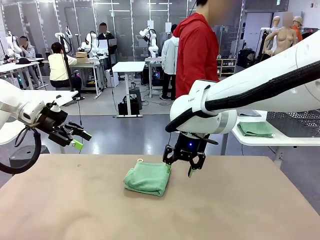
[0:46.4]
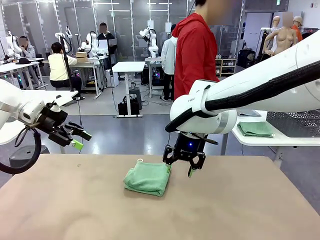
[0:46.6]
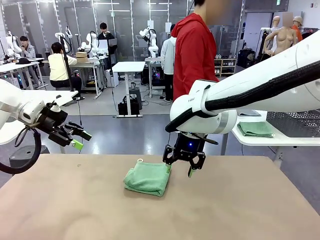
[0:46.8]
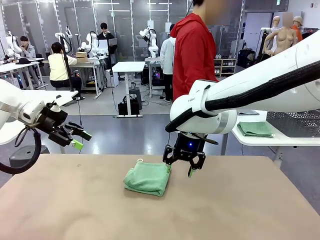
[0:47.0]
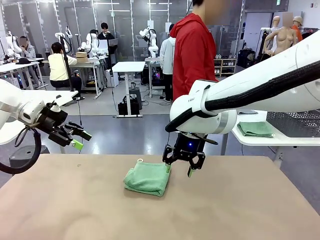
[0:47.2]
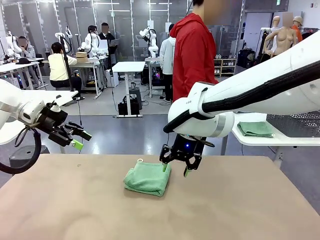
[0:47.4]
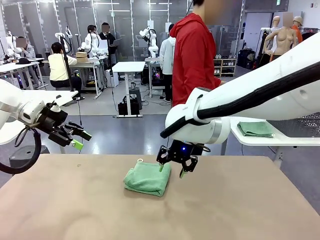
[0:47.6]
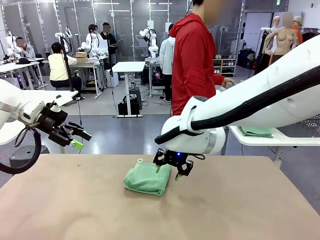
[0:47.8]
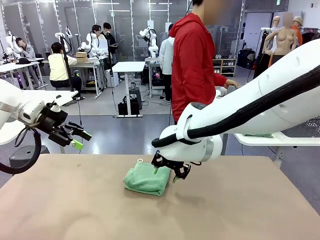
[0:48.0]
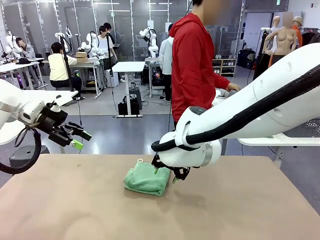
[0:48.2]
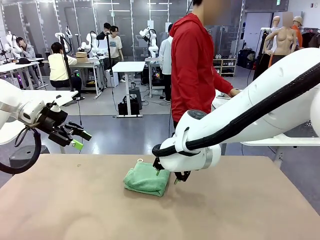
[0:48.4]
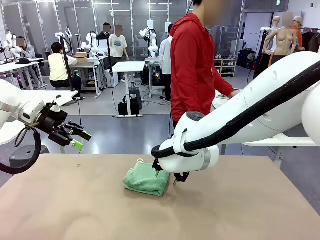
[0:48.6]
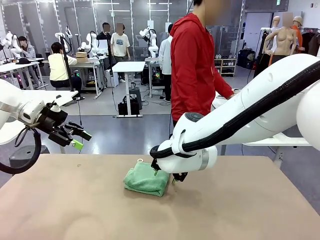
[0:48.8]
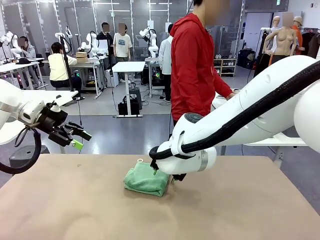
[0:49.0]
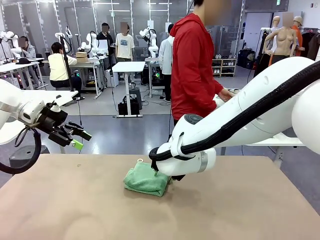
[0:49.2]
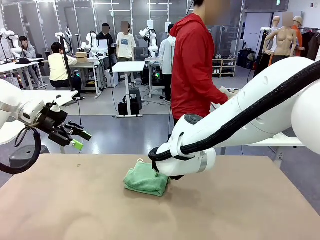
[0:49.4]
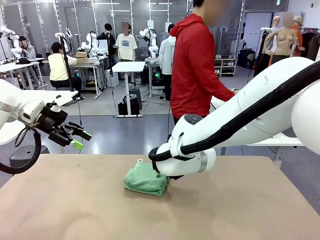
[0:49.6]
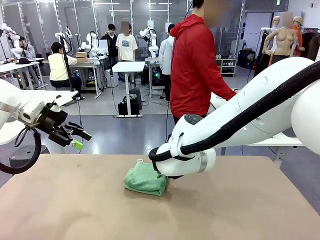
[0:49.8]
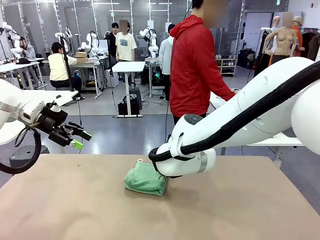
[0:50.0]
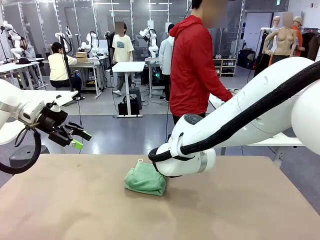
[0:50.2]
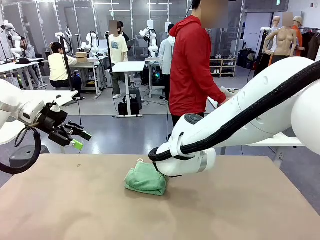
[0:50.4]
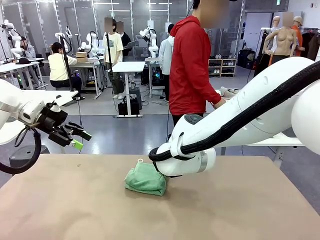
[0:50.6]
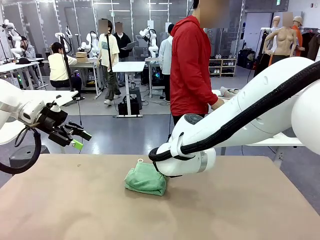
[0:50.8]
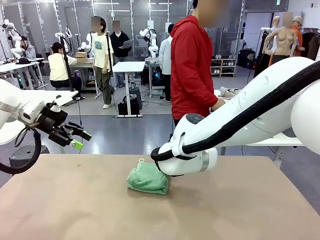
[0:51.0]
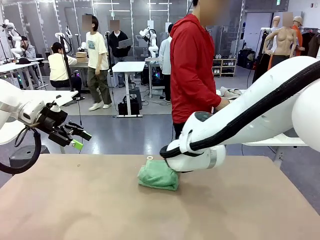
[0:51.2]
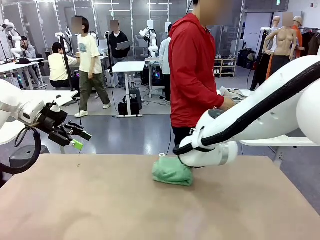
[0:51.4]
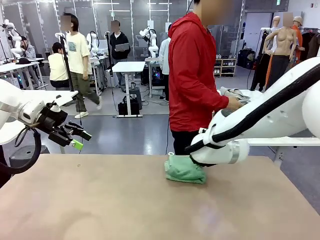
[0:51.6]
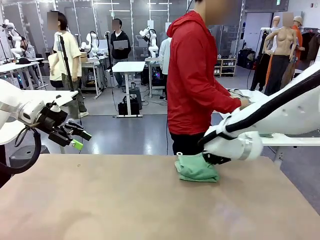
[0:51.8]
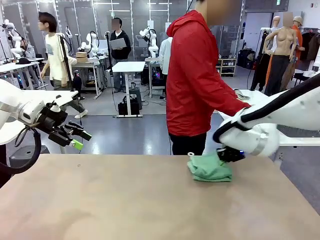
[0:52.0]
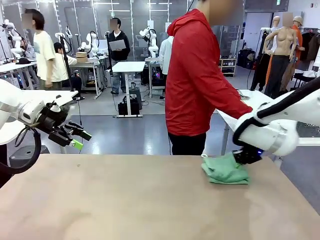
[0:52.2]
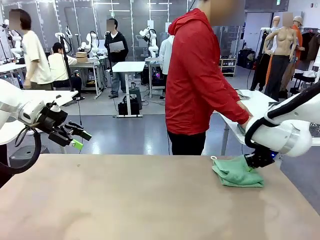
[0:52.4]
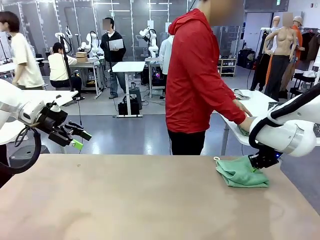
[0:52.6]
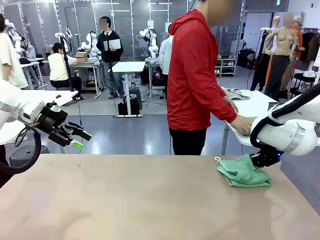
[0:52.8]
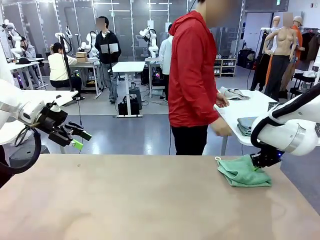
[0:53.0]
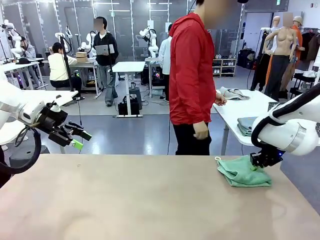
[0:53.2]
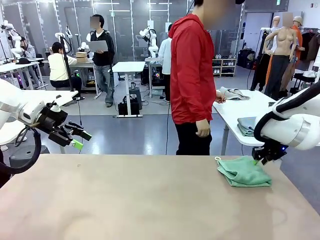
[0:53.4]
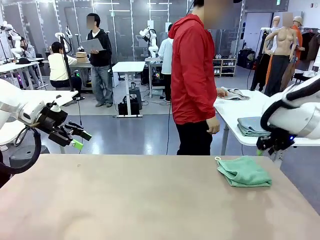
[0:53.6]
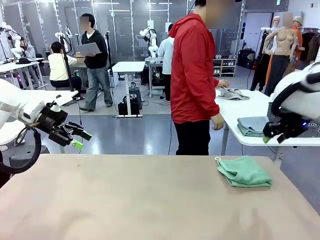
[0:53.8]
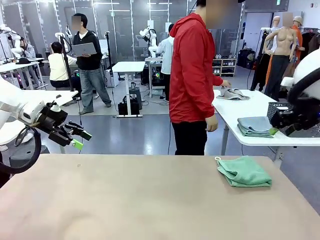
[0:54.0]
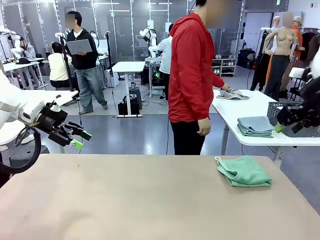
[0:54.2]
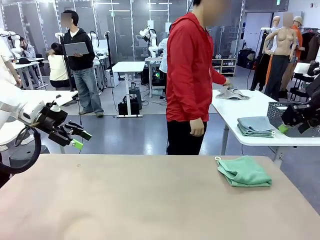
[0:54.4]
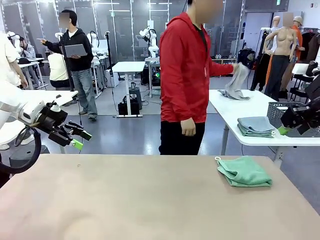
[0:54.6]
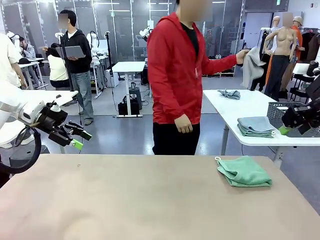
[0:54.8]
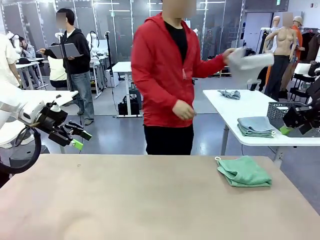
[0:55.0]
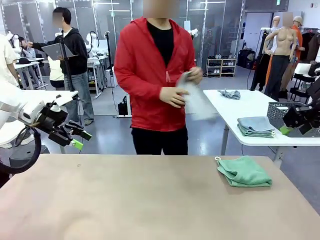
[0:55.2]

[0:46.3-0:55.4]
Task: Fold the towels and place them in the basket.
Robot: Place the folded Towel with hook on the right side of the table.

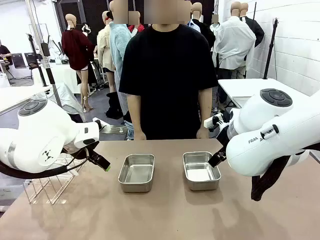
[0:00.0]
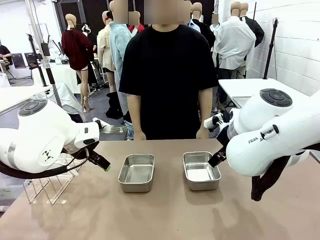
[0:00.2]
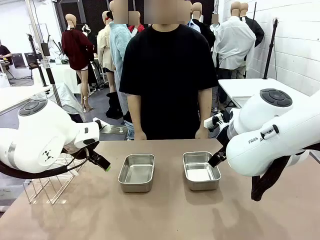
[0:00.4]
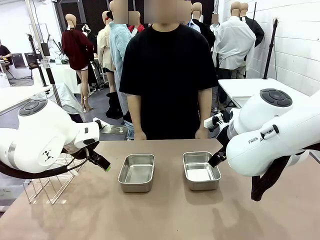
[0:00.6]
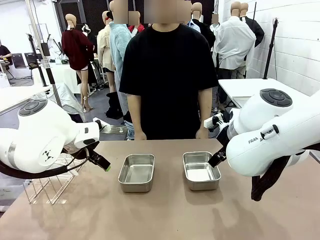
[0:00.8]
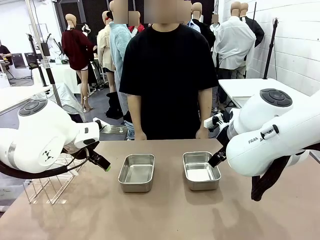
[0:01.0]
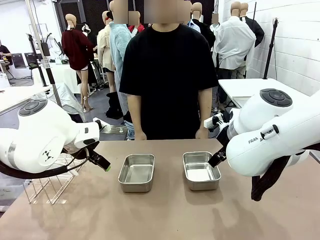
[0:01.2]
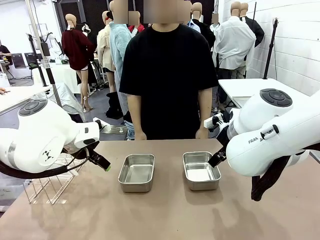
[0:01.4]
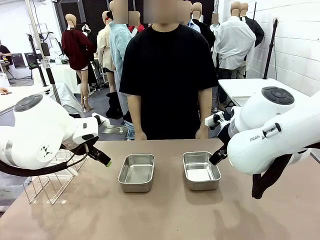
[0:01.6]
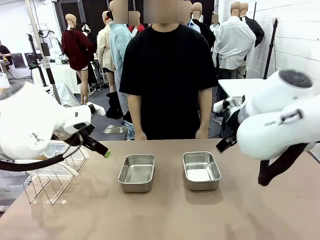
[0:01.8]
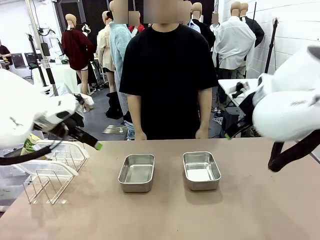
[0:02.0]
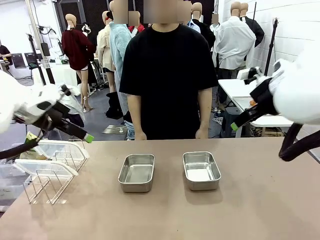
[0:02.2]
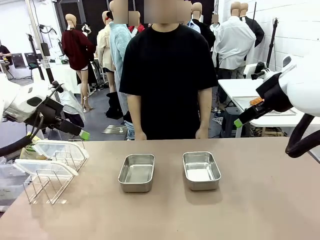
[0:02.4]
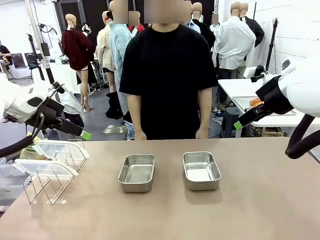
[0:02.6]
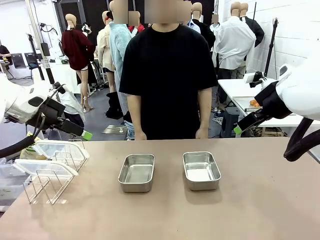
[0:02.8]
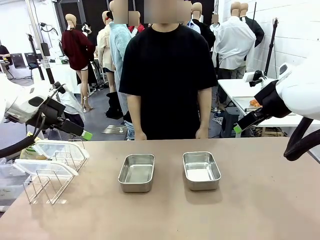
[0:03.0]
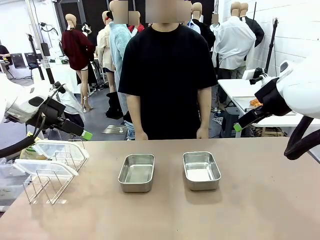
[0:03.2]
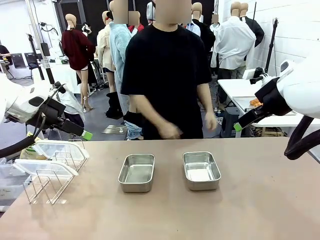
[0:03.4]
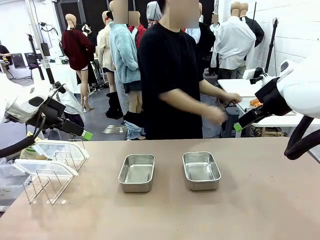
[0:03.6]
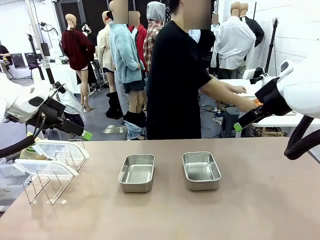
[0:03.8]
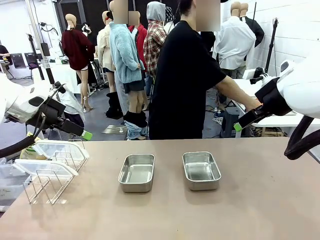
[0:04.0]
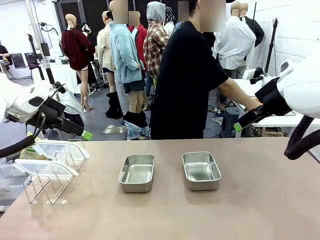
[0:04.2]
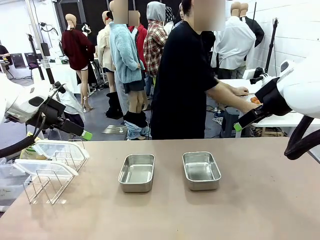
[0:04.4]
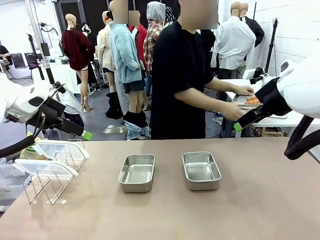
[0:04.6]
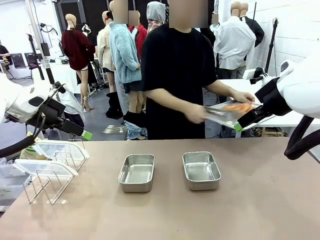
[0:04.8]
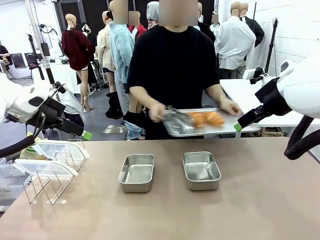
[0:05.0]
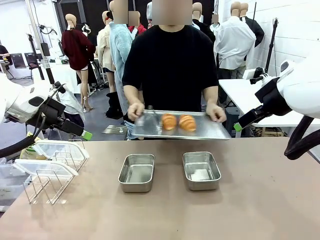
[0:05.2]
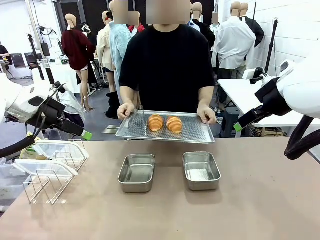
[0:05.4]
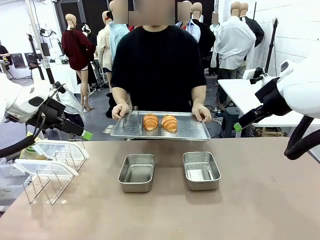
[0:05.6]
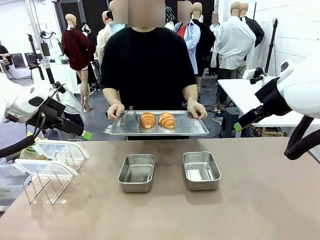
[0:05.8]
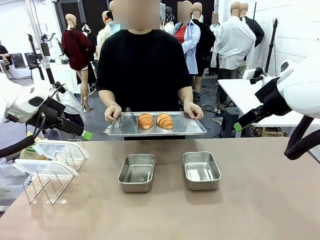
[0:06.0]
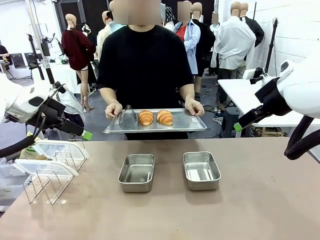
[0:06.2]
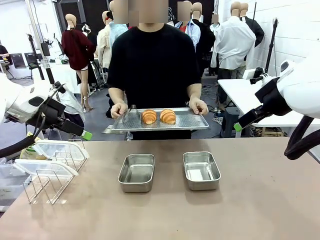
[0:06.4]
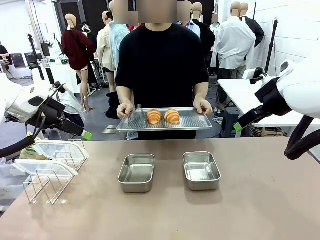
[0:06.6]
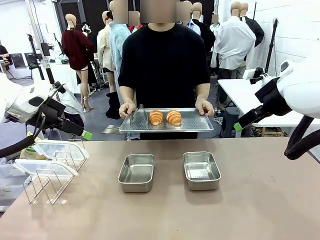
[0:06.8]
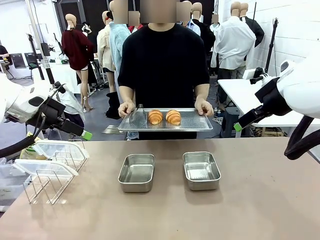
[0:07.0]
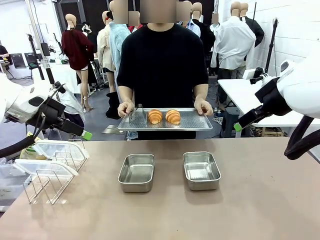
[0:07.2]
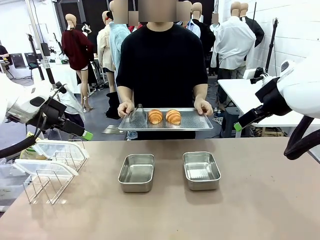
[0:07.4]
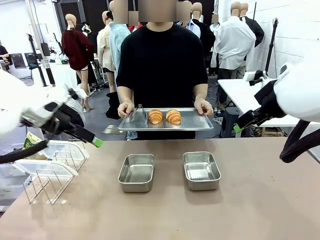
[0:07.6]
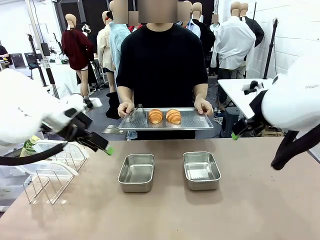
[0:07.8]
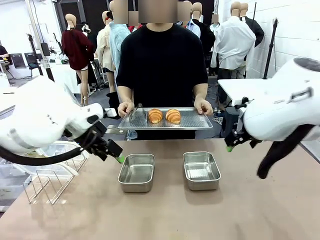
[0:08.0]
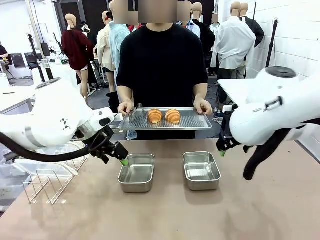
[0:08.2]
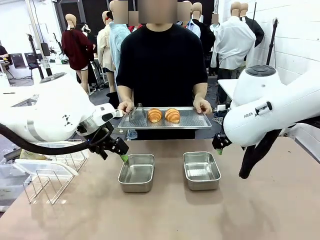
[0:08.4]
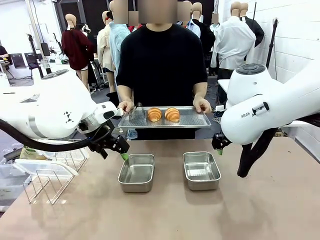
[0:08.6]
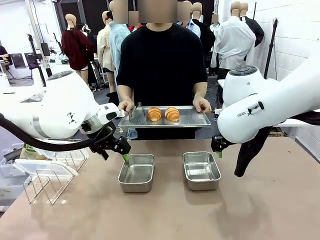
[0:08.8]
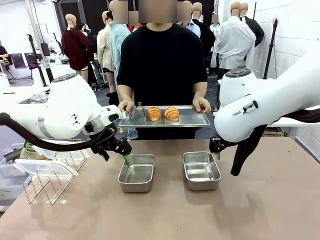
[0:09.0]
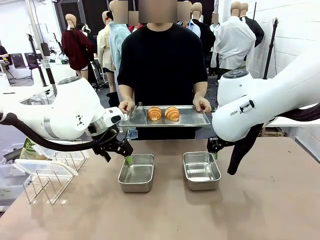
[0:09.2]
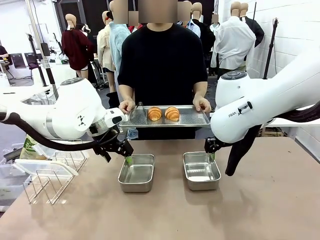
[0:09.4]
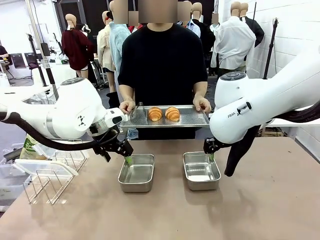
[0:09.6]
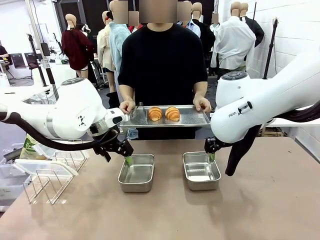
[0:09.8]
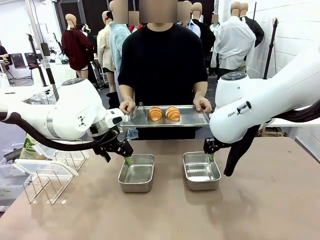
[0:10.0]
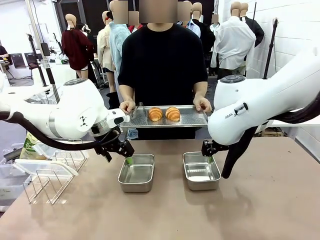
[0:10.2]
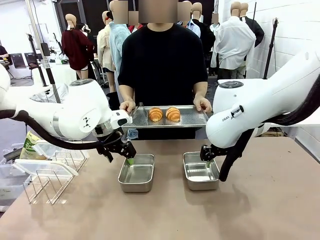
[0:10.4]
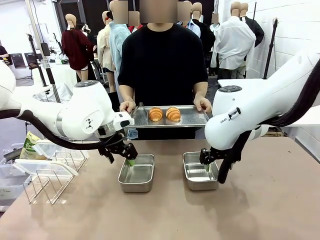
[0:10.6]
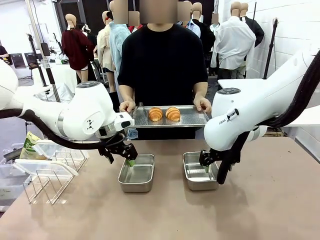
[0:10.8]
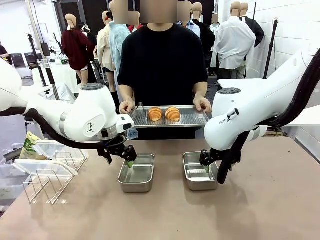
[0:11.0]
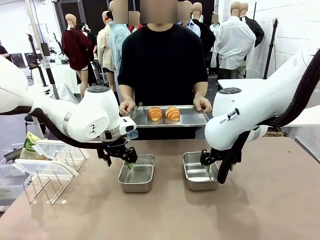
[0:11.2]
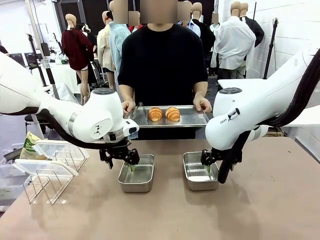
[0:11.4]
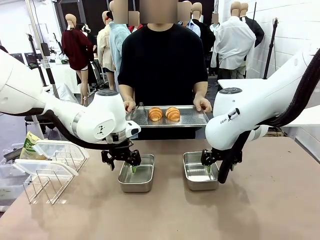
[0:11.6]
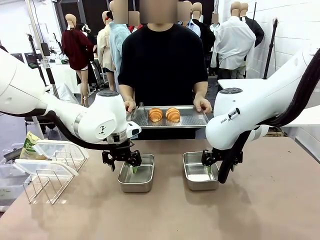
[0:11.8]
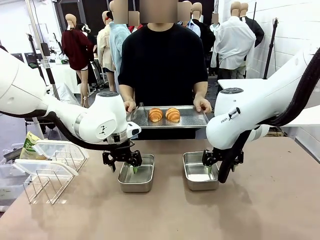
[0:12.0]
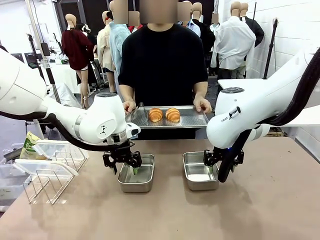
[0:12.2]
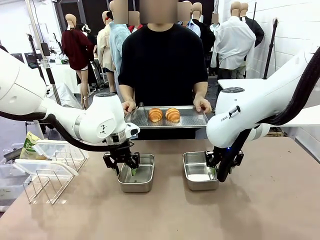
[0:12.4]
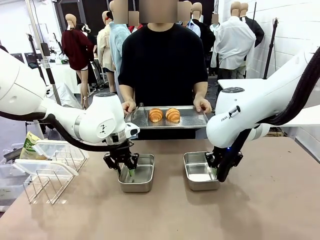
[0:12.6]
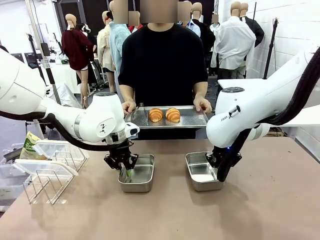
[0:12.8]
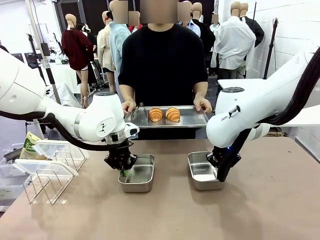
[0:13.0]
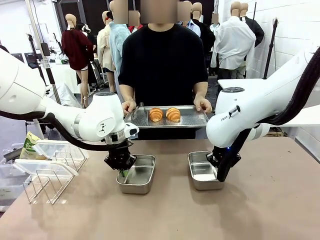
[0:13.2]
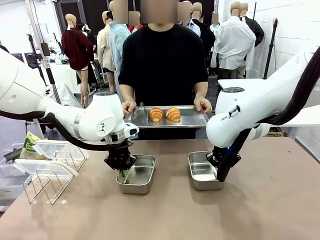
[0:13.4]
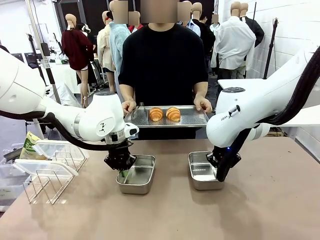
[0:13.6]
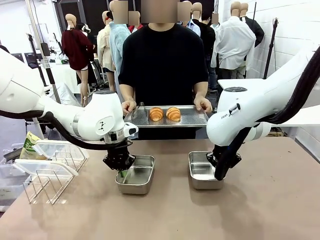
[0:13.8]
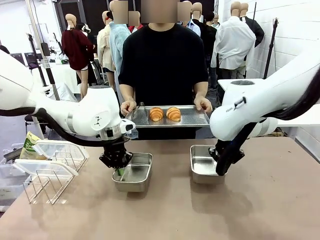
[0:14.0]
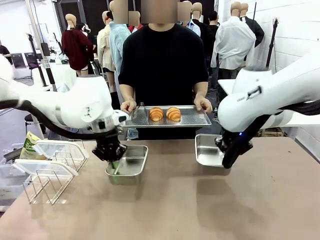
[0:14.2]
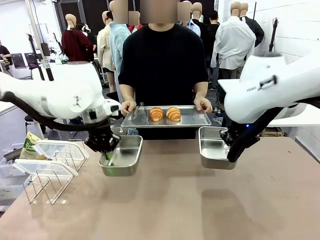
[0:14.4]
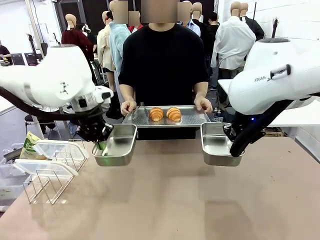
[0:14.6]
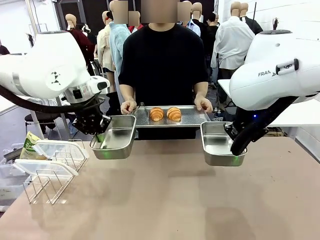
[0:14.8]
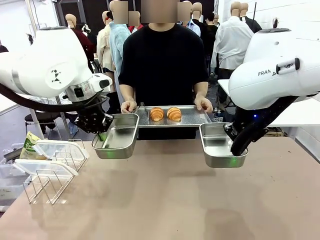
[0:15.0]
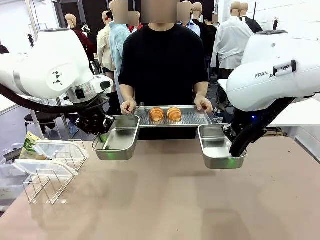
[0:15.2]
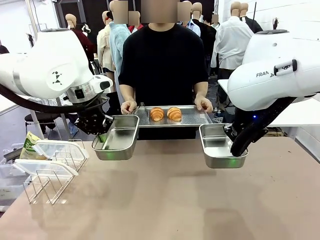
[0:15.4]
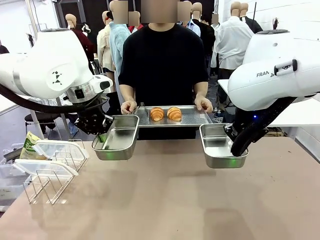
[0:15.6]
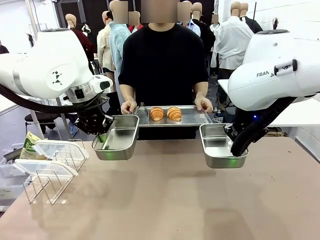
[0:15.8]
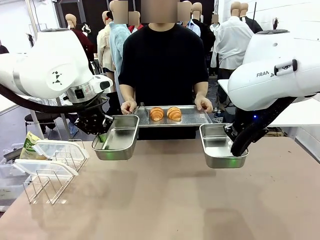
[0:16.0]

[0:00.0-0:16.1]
Task: Place the bread in airtight containers.
Robot: Lift both Airtight Container.
Person: Bring the Baking Sheet in front of Robot's Table.
